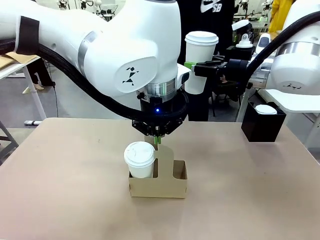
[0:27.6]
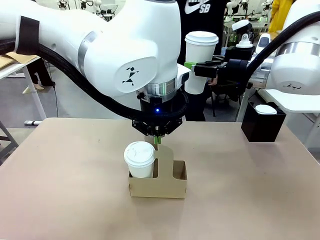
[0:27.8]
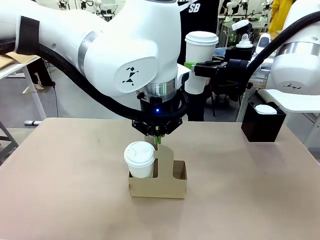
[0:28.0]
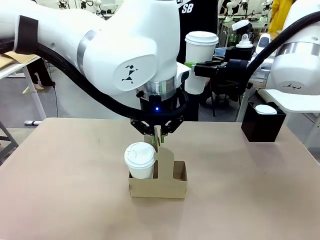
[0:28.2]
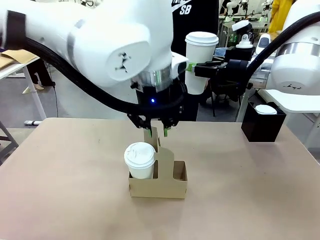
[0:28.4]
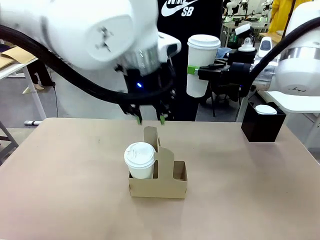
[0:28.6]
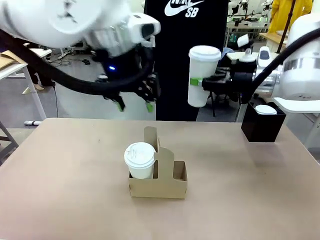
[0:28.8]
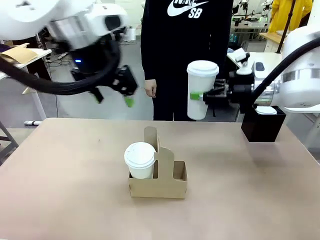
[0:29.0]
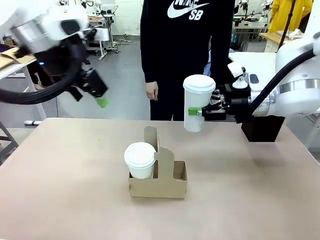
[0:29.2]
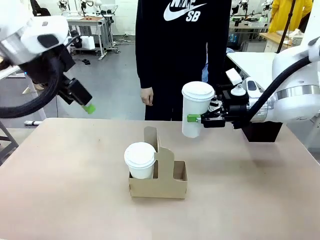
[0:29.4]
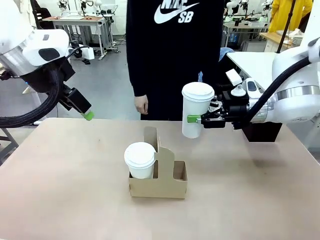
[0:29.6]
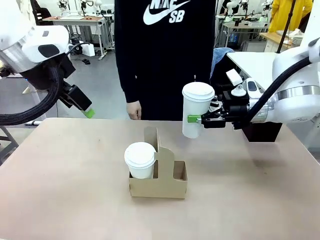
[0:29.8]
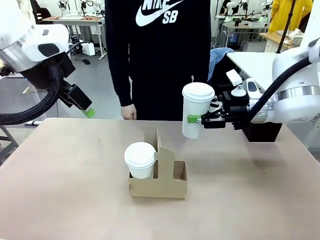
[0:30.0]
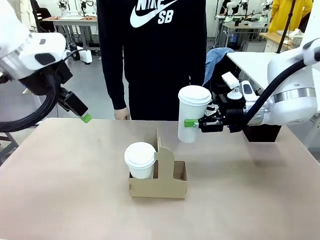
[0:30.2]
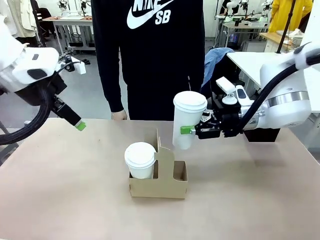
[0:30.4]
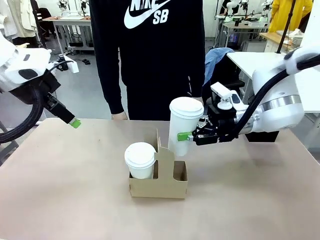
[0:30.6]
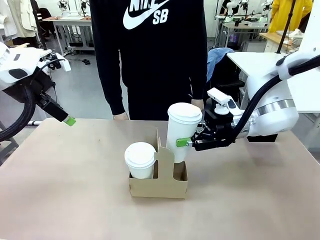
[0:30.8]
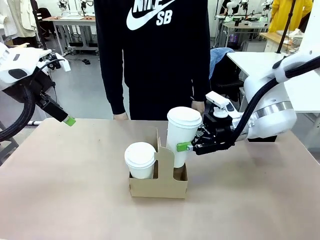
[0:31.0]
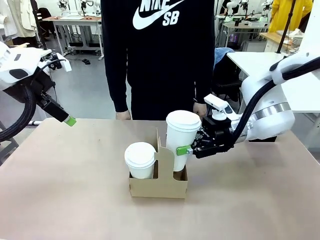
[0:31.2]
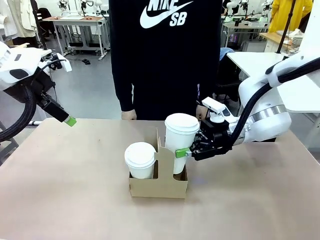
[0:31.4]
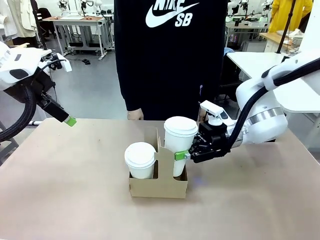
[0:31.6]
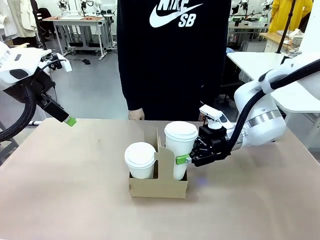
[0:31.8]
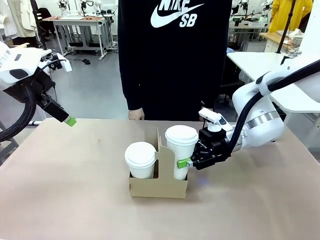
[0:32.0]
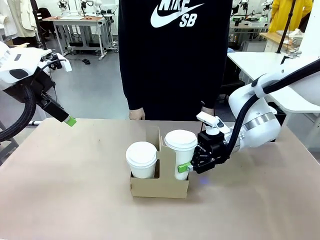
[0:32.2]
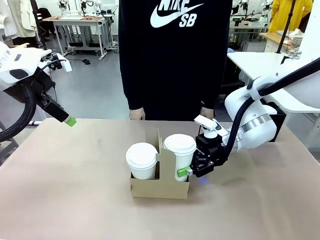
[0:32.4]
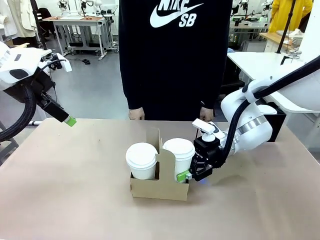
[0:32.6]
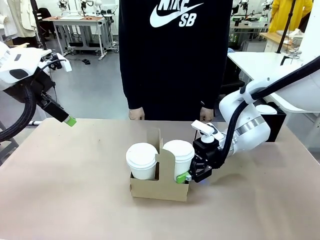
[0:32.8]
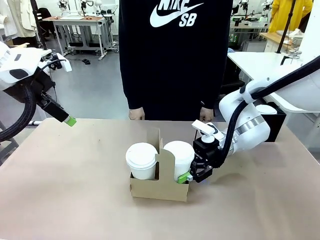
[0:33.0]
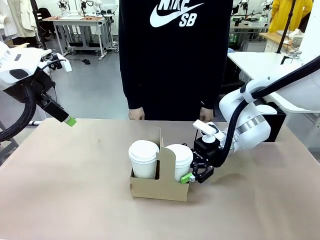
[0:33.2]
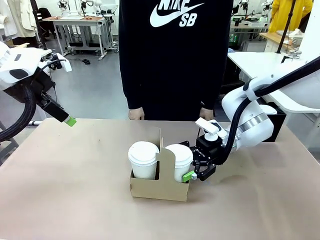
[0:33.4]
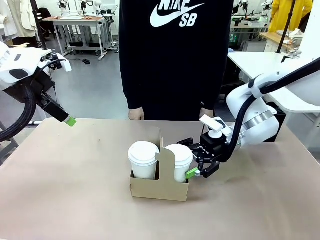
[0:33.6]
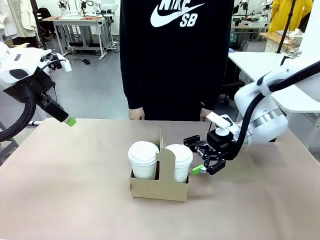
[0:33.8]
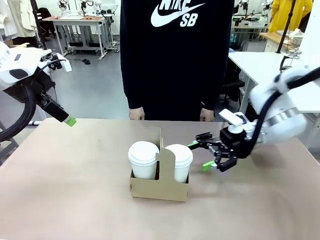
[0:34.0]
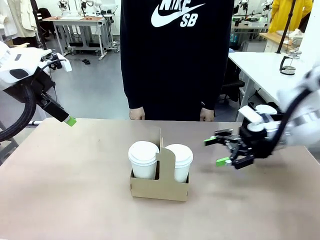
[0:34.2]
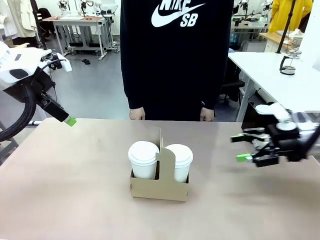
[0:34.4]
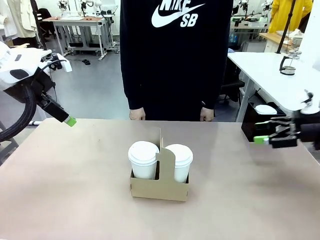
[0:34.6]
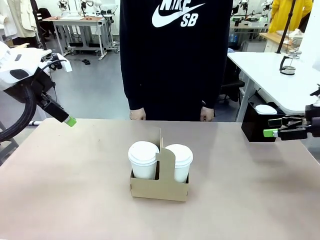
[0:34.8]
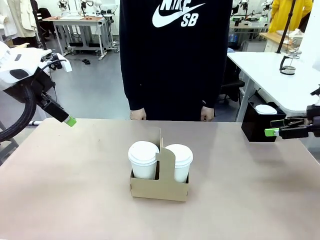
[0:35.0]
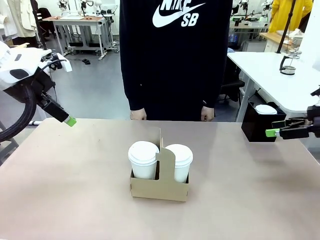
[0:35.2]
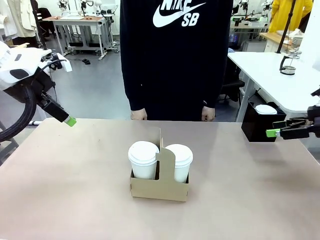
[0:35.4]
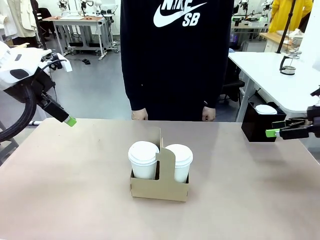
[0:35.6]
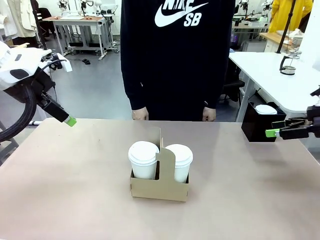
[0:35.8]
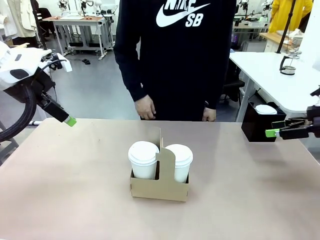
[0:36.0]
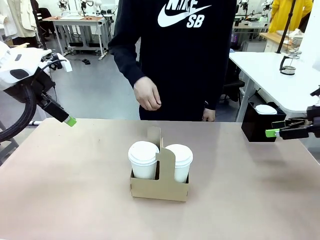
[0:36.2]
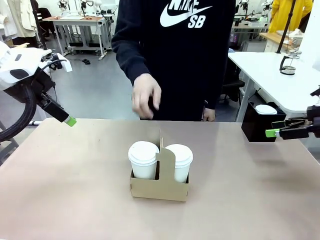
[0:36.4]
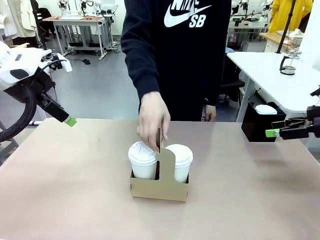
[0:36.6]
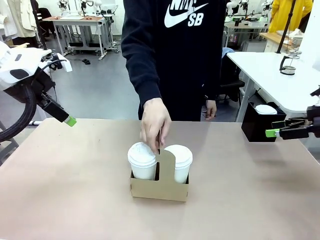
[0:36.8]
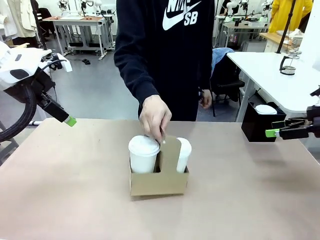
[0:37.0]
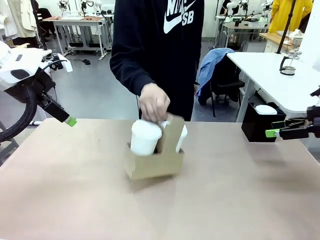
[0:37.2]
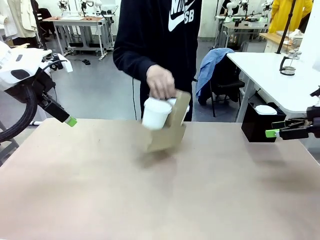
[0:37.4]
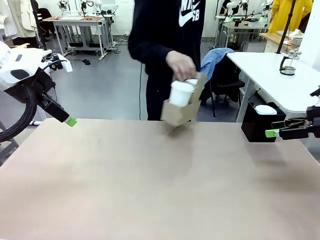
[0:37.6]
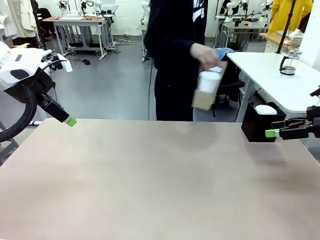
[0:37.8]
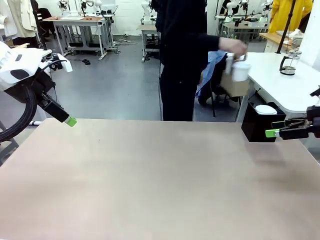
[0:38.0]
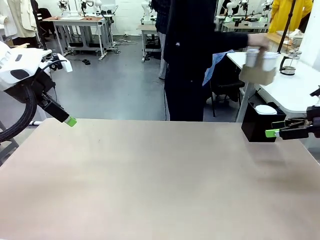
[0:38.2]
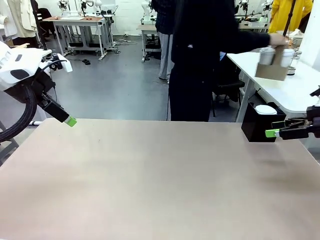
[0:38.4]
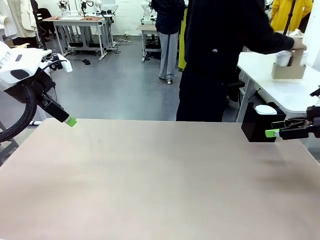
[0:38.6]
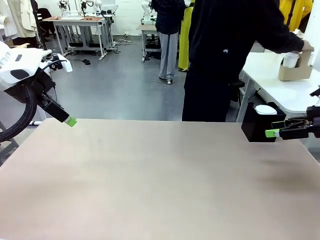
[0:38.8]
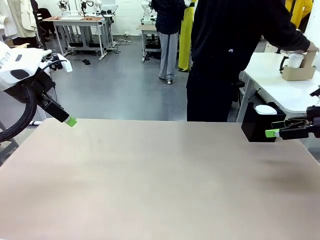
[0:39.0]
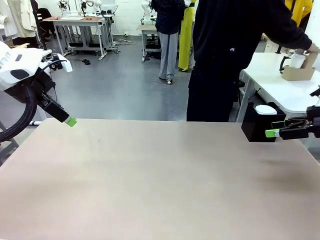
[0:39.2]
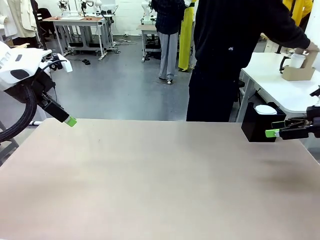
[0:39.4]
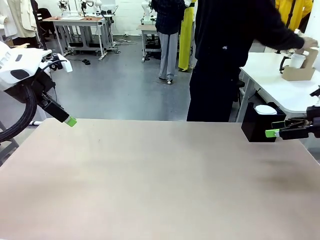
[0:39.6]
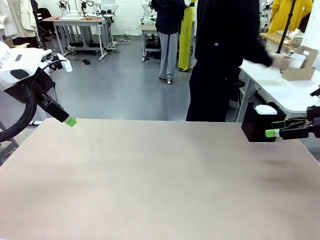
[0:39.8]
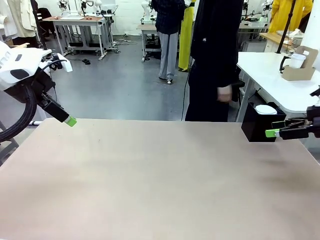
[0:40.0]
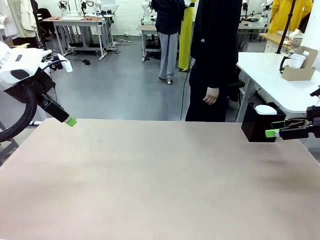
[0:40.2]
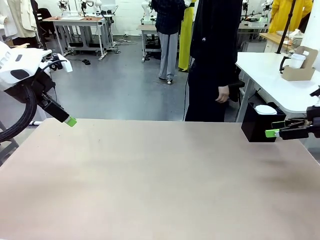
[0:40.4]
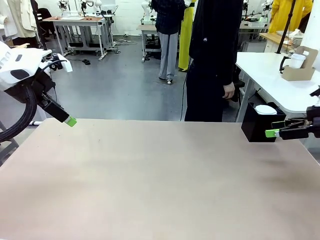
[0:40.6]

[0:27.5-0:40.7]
Task: Pour a drink into a cup and package it in a carrier.
Robot: Insert the held 600 ml Paper Cup into the Cup Carrier.
Person: Place the Cup Carrier to the middle of Human table.

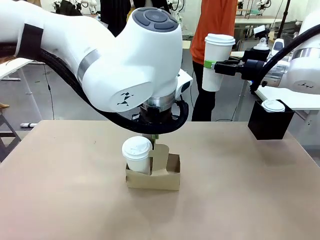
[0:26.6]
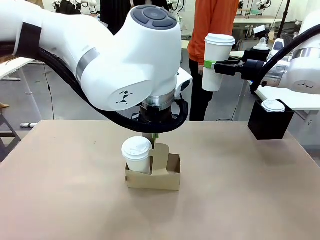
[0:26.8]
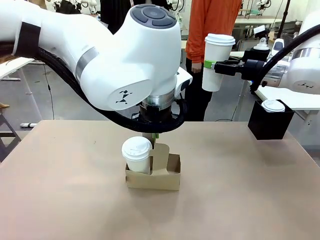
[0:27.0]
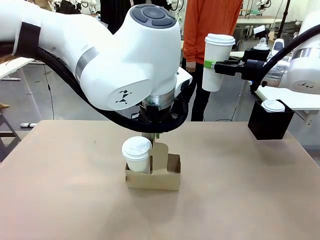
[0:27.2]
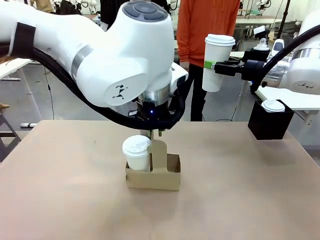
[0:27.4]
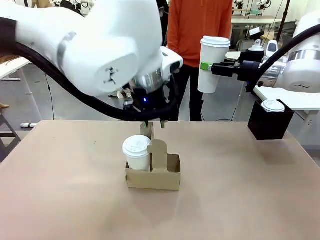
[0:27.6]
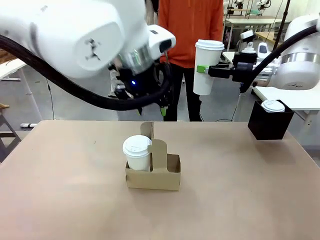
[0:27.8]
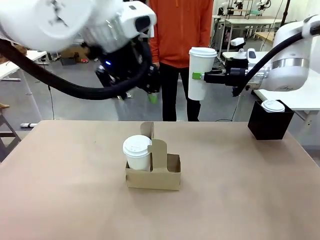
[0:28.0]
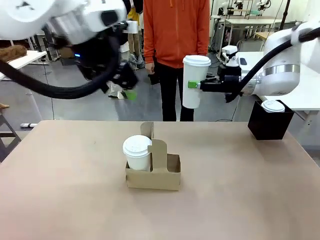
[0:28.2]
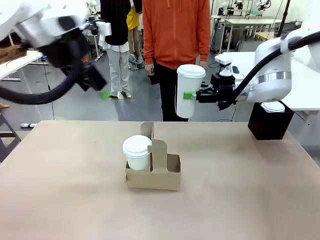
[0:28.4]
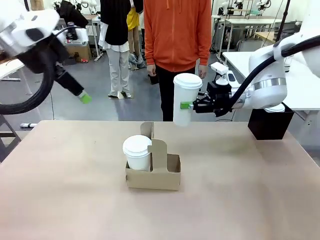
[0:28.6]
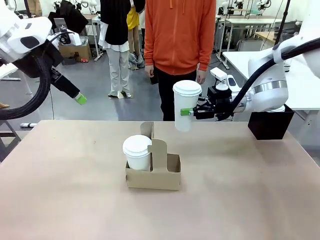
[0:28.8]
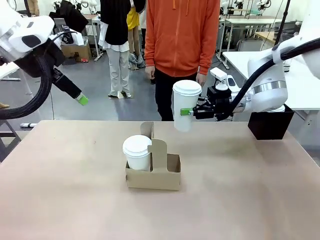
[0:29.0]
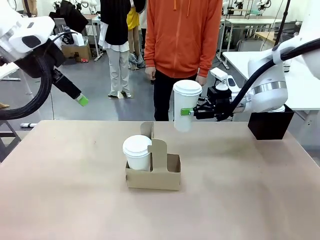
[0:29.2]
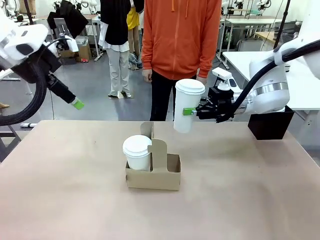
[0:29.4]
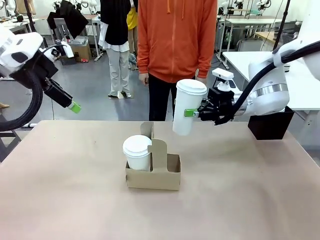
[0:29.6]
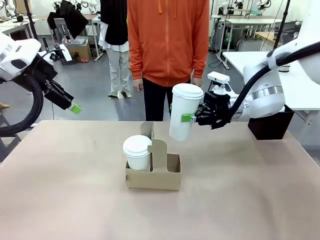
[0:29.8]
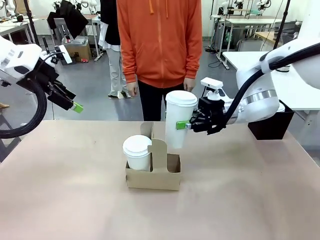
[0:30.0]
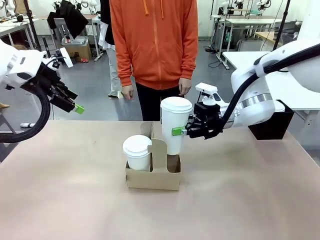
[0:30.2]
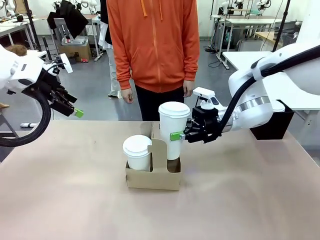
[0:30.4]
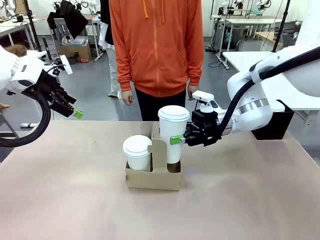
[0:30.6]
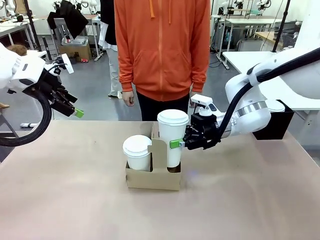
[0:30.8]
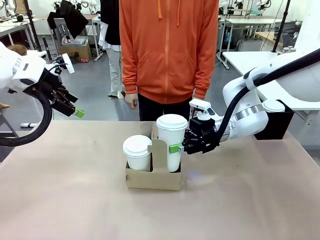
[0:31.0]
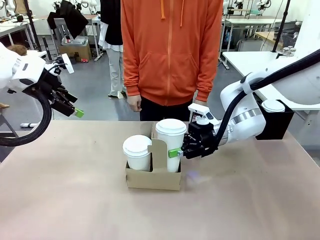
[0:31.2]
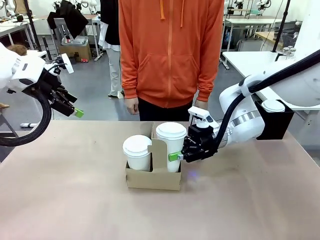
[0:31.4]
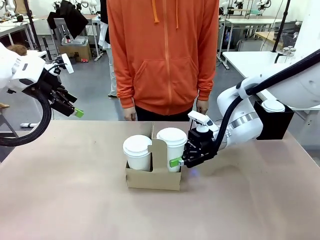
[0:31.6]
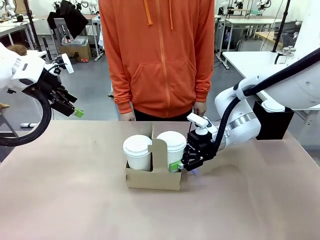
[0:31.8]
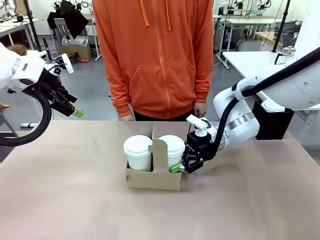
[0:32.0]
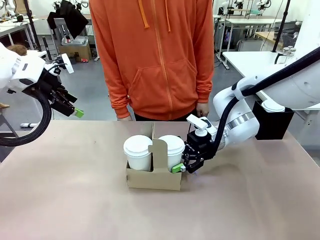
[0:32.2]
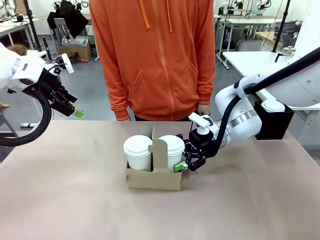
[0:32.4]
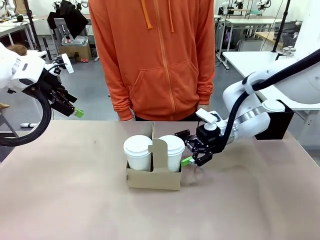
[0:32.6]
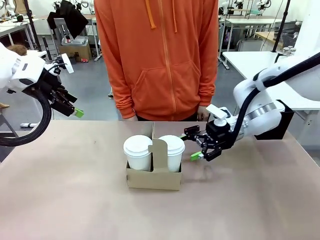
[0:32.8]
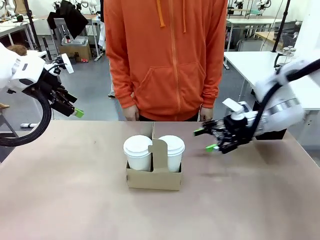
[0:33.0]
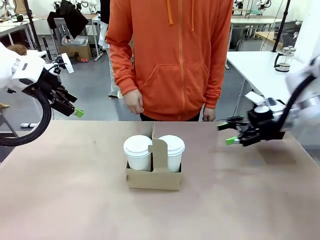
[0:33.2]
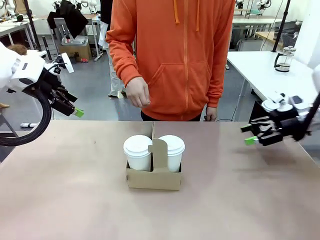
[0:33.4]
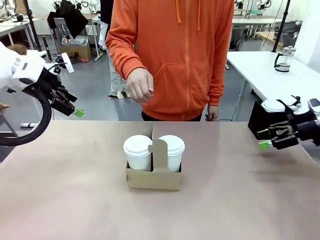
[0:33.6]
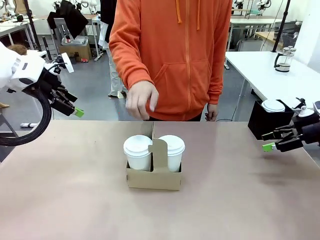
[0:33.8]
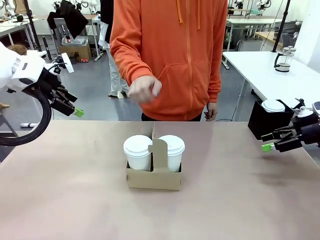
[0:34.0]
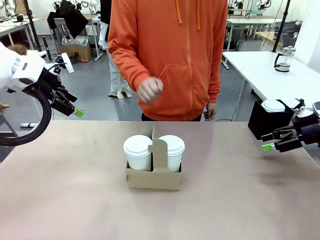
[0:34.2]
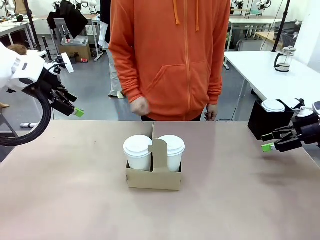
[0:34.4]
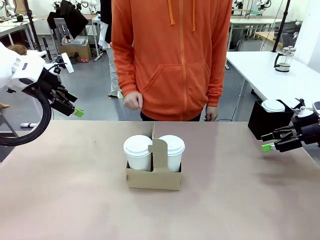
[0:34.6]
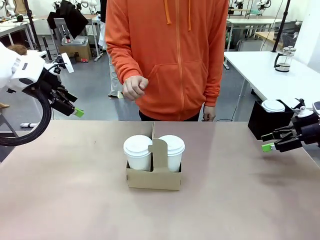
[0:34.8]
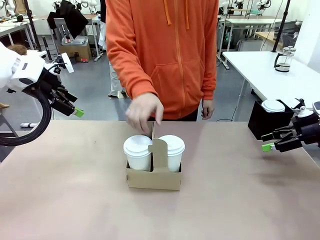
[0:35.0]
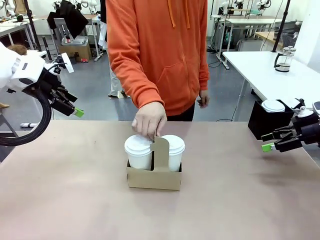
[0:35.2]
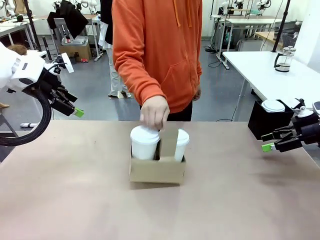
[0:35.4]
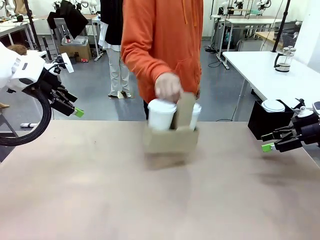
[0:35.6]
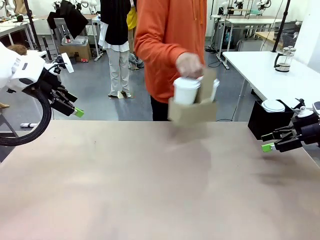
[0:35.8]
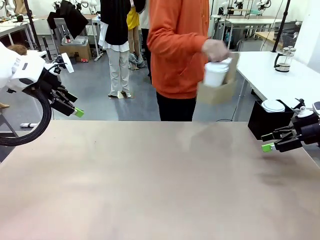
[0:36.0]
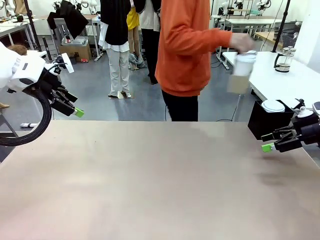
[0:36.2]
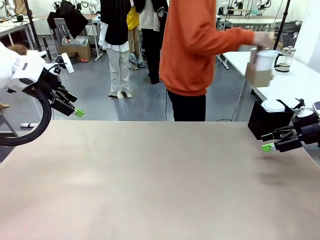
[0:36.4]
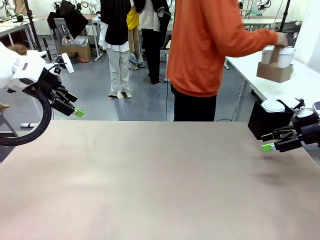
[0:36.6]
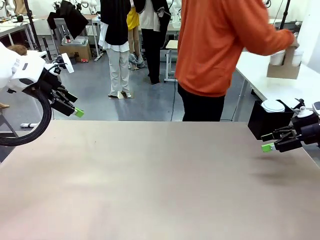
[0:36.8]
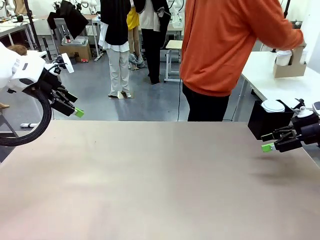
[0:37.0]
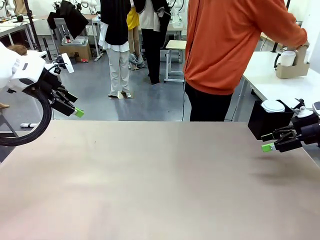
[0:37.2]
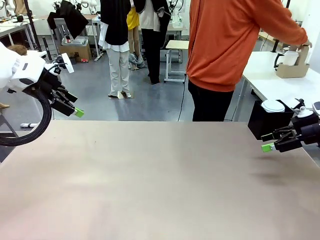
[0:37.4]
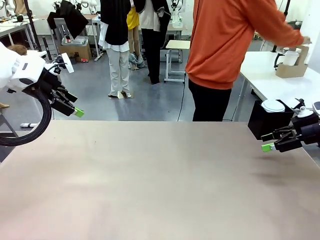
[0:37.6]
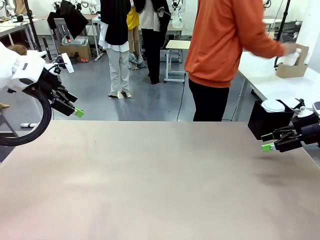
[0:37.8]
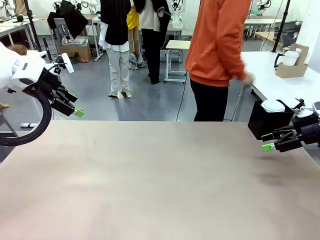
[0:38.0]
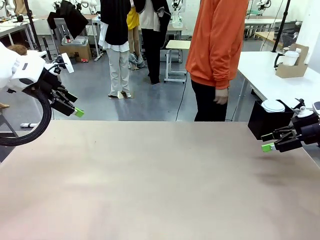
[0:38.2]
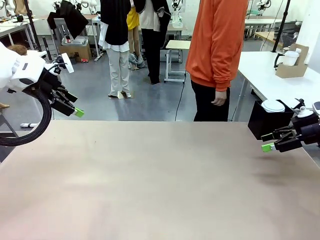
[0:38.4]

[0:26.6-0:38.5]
Task: Pour a drink into a cup and package it in a carrier.
Robot: Insert the held 600 ml Paper Cup into the Cup Carrier.
Person: Place the Cup Carrier to the middle of Human table.
